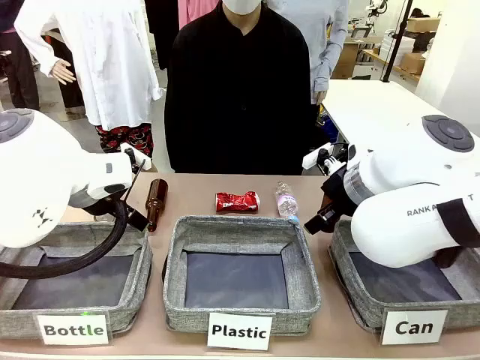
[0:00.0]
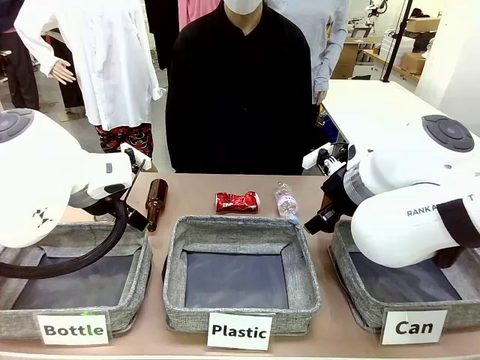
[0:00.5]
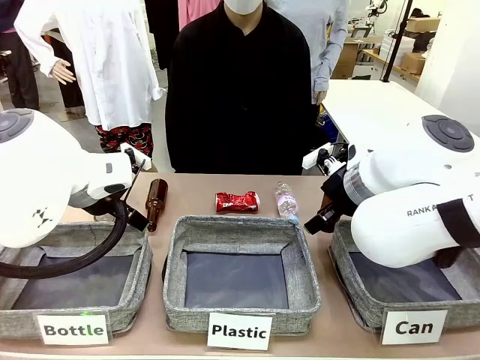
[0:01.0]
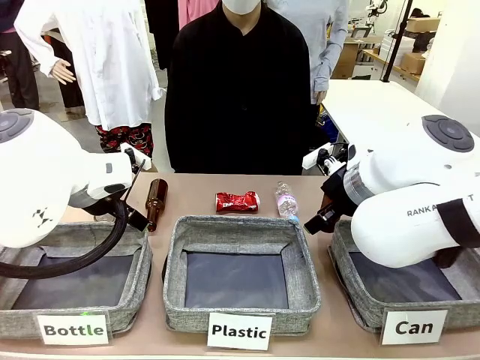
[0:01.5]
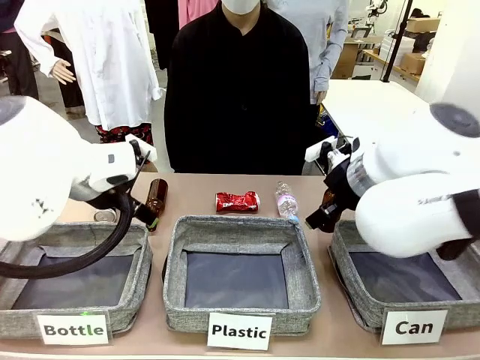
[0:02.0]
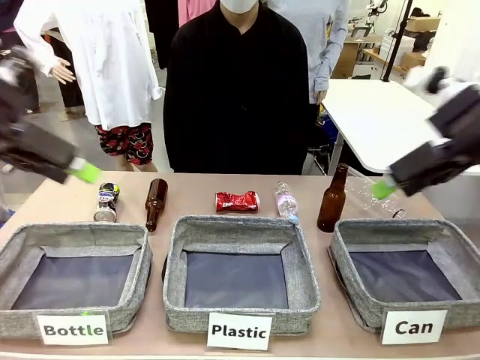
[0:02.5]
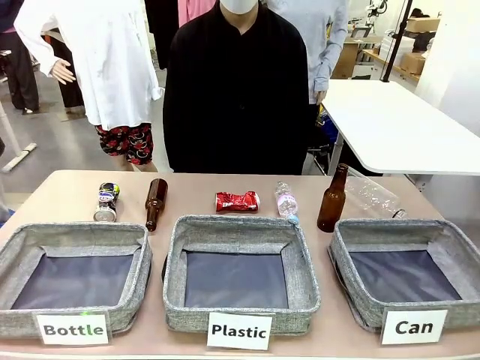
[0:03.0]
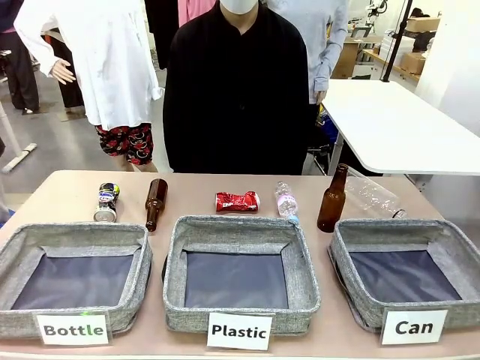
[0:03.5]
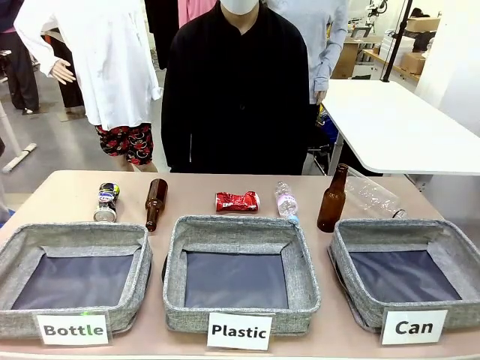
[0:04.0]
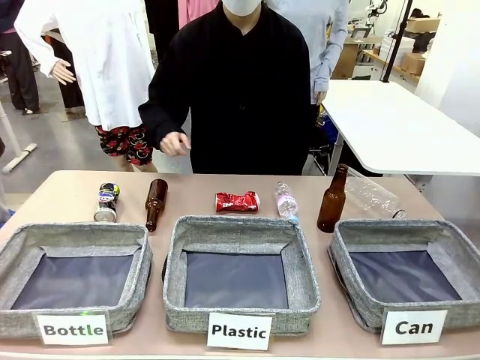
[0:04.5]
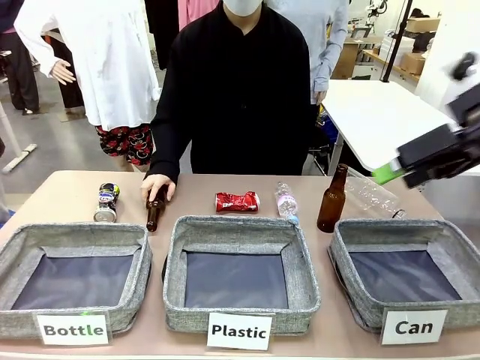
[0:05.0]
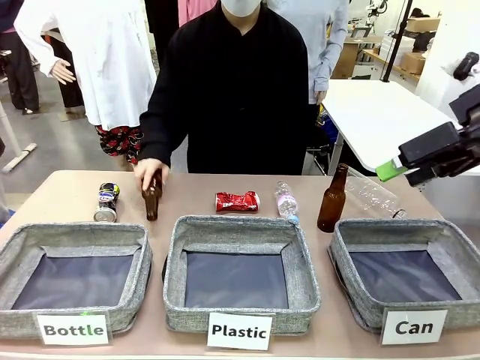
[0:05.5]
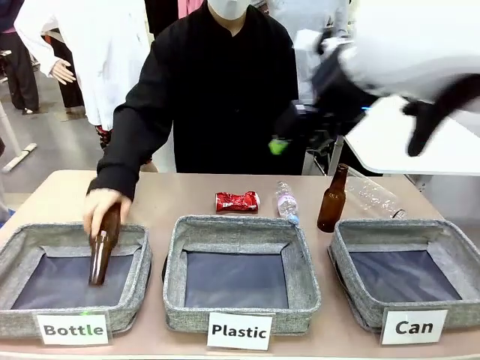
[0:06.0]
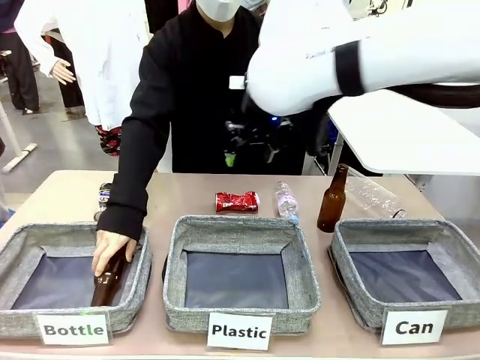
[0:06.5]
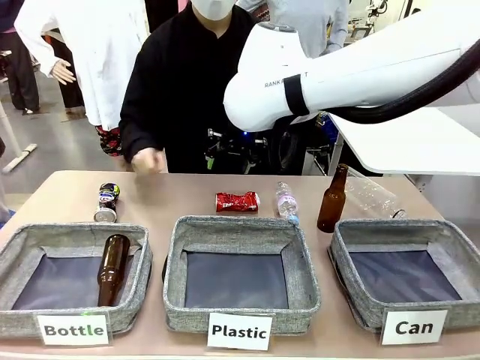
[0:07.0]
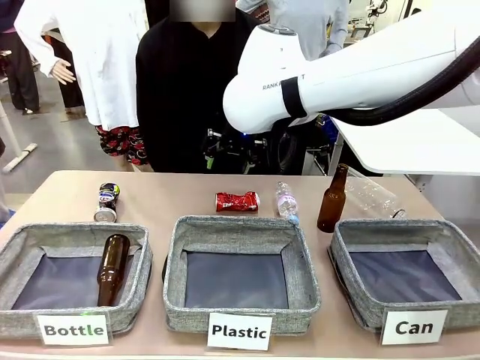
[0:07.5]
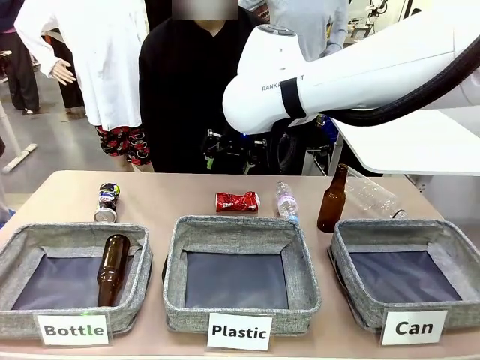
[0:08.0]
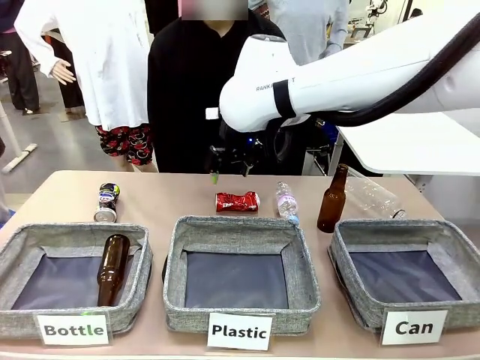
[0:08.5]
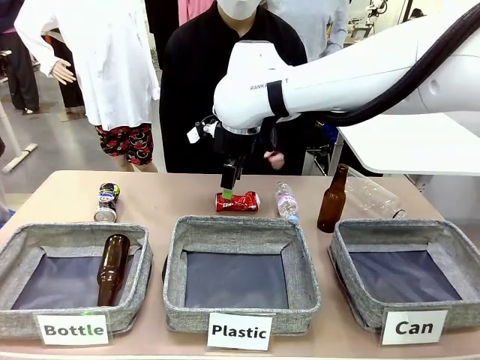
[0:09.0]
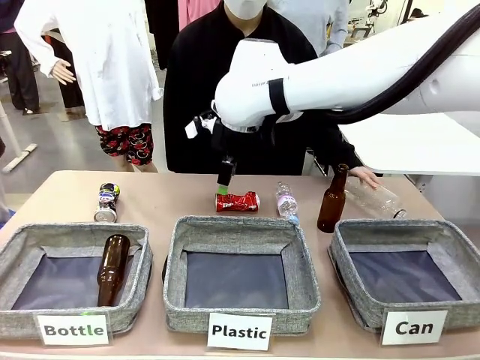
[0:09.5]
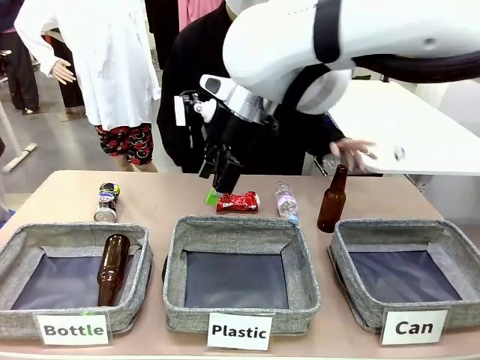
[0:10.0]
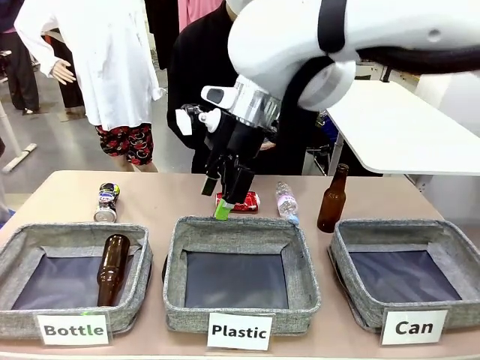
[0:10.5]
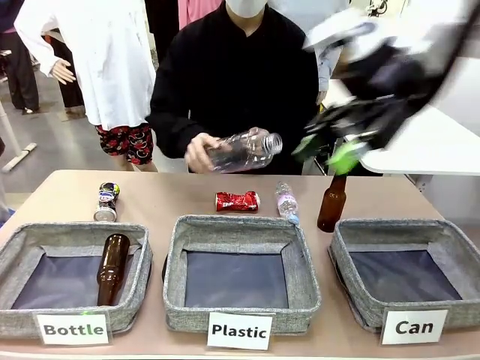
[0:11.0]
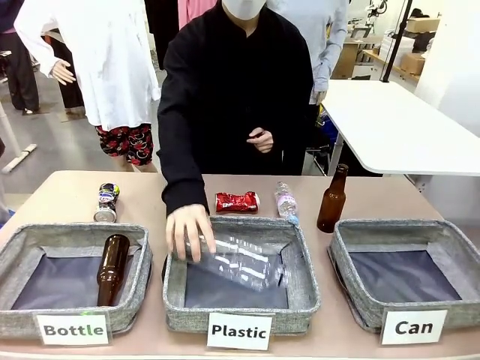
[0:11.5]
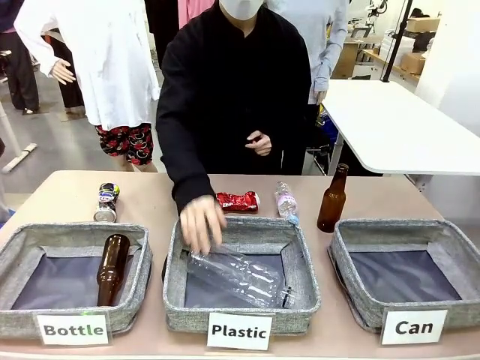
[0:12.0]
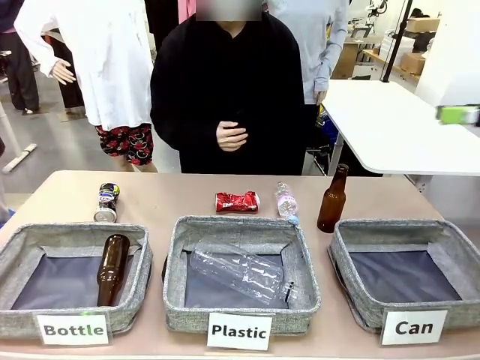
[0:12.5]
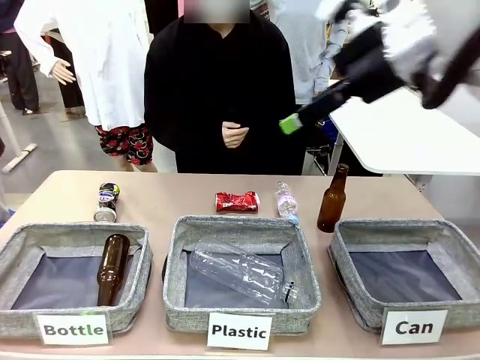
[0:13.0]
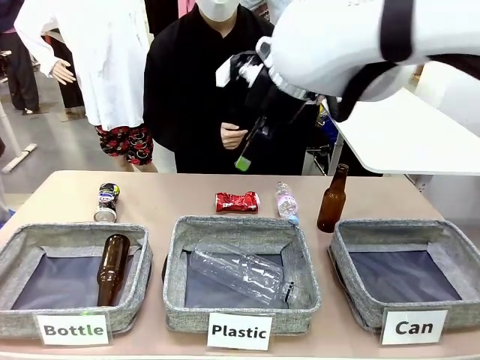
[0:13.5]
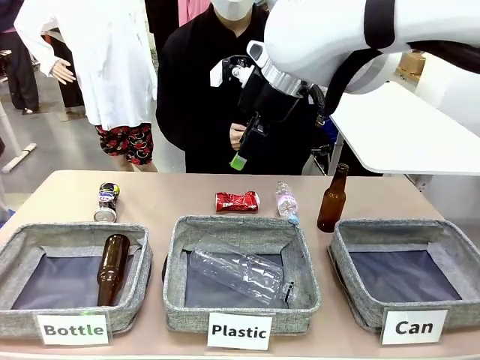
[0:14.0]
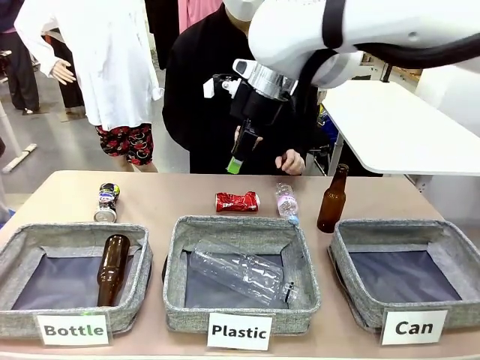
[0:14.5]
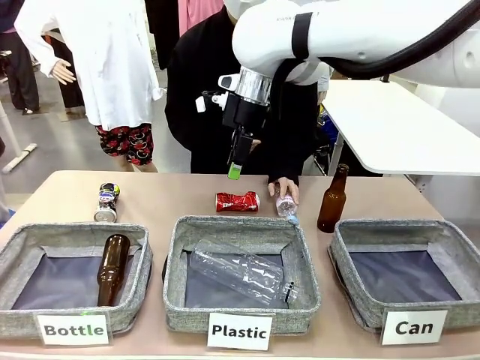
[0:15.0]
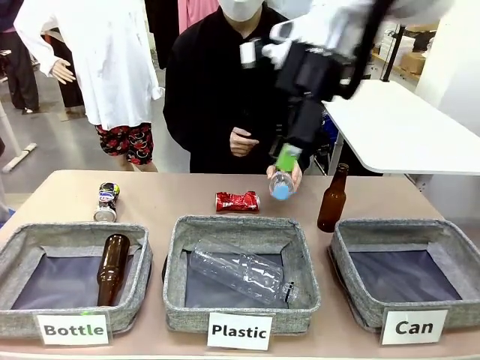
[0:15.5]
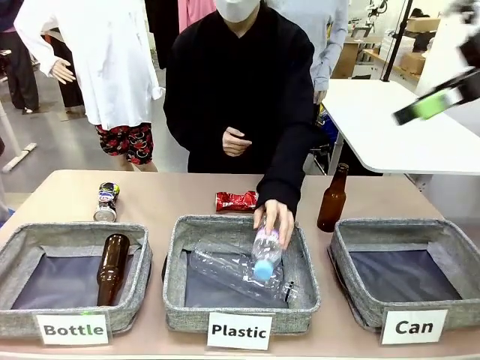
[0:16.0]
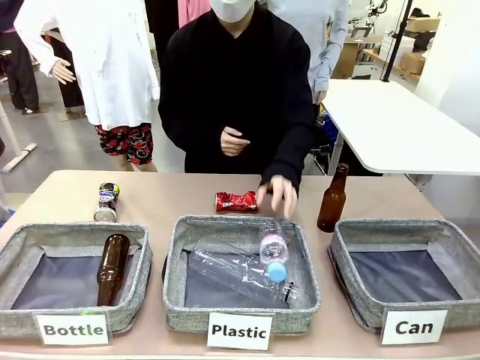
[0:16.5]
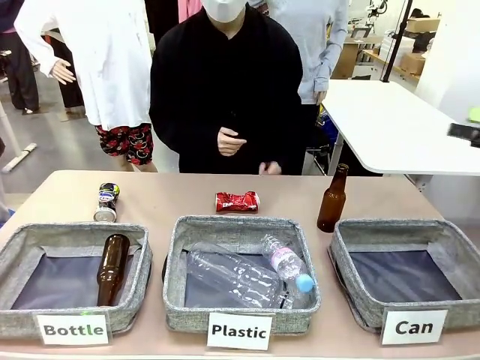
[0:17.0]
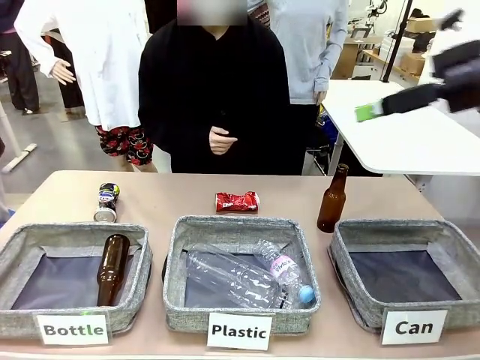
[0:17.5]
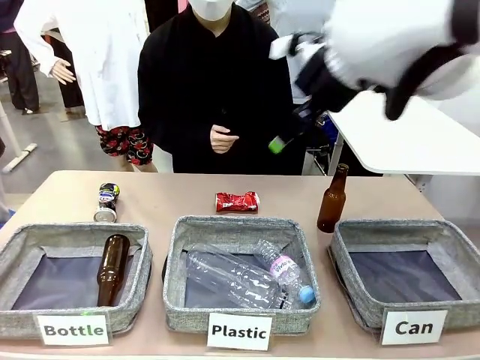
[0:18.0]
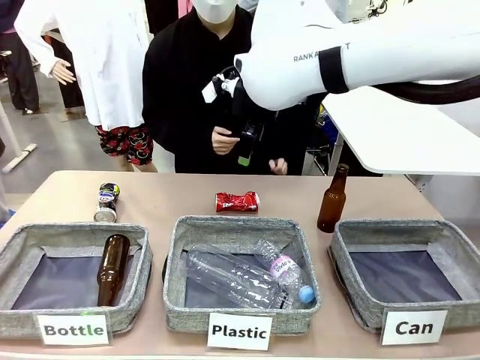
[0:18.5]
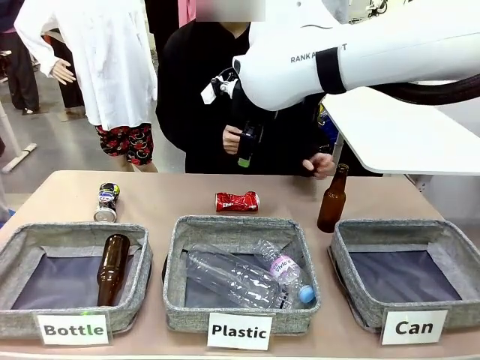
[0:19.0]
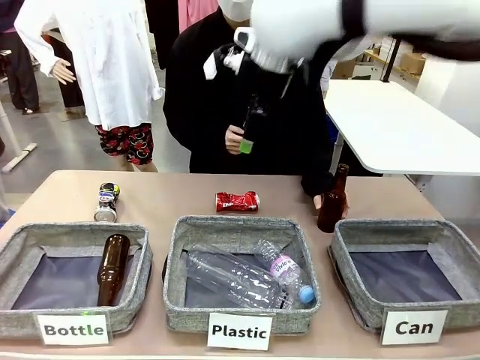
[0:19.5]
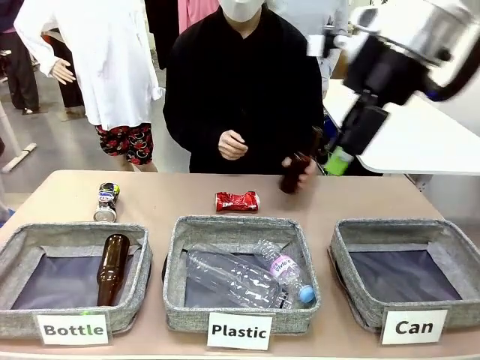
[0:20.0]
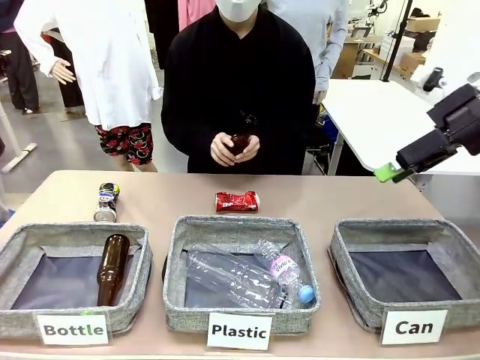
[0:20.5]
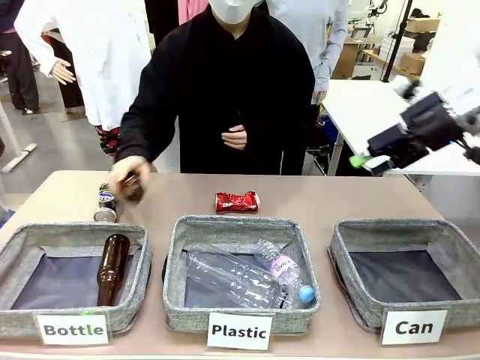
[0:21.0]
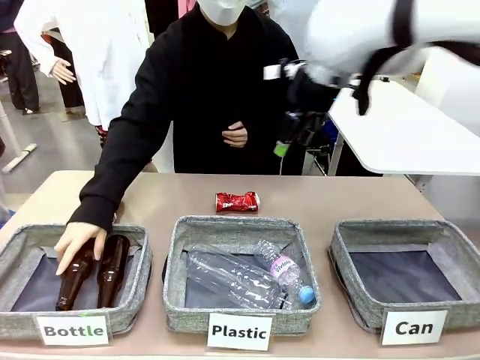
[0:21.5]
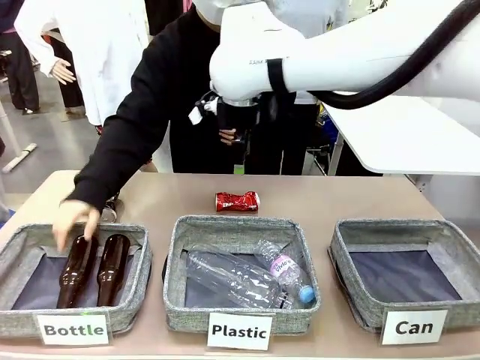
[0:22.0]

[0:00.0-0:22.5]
Task: Sort the can waste into the basket.
Robot: Pick up the can waste from the table and place it in the right Fabric basket.
